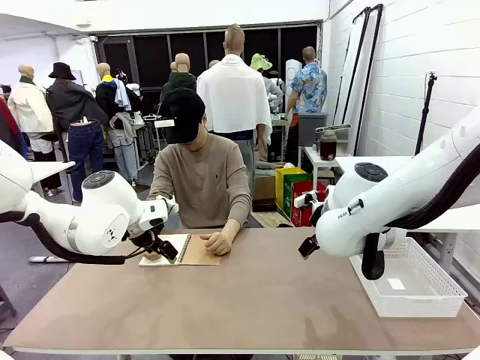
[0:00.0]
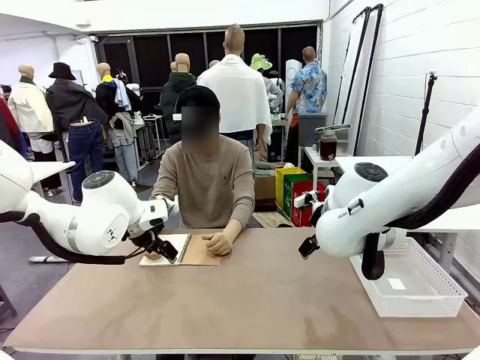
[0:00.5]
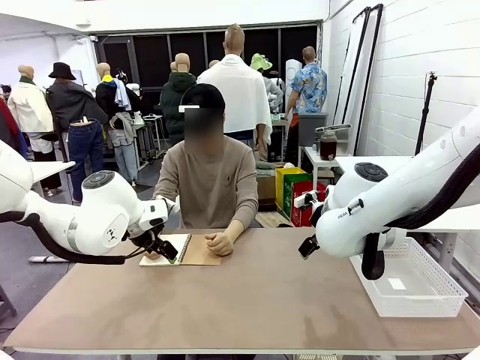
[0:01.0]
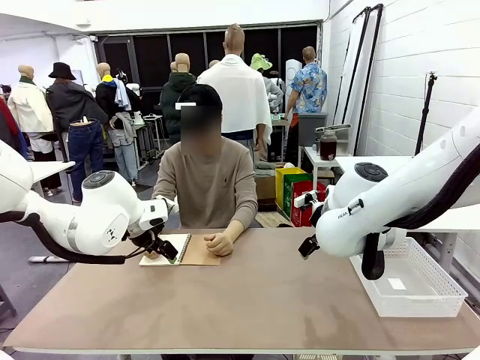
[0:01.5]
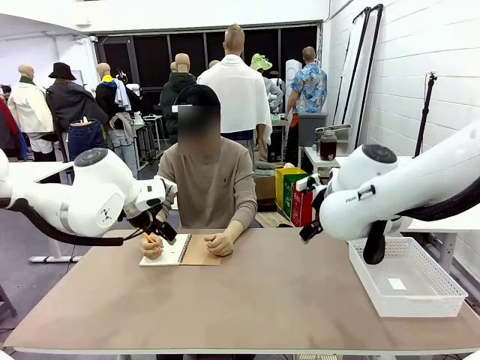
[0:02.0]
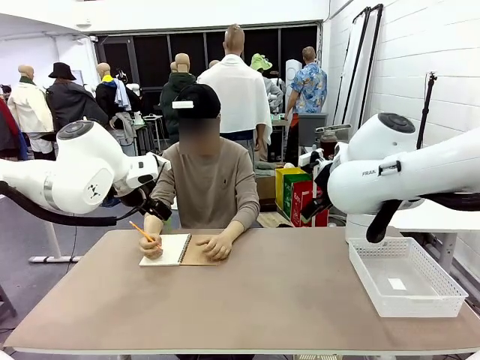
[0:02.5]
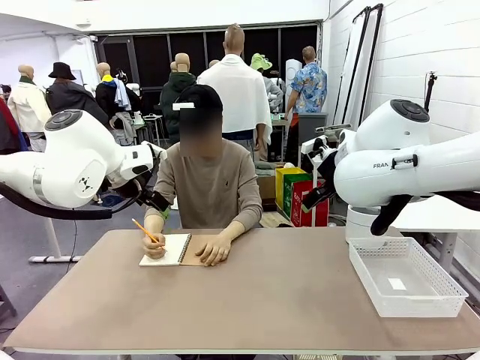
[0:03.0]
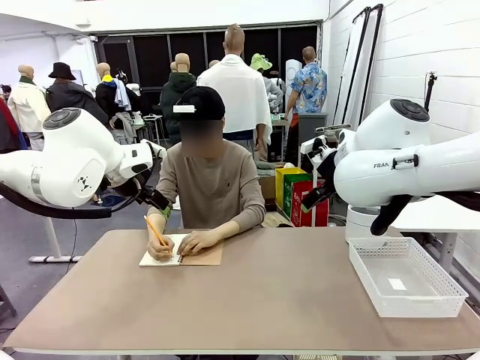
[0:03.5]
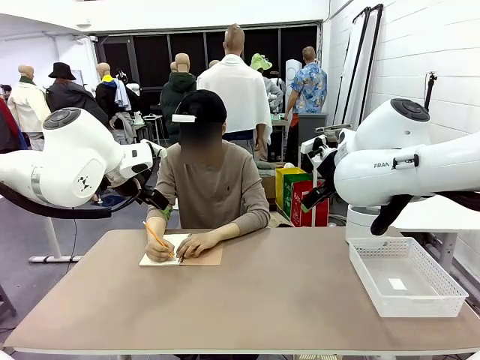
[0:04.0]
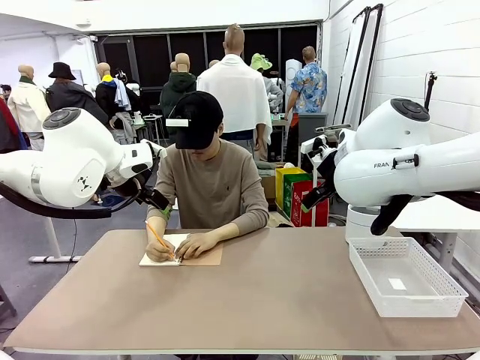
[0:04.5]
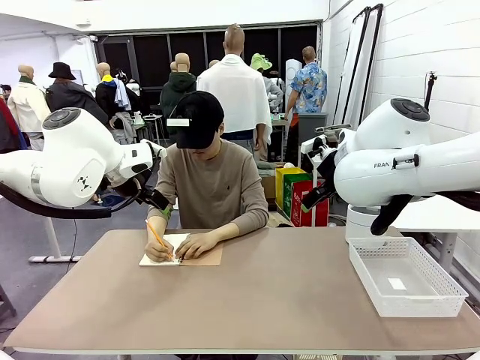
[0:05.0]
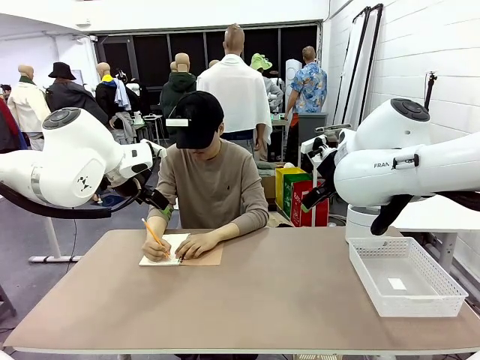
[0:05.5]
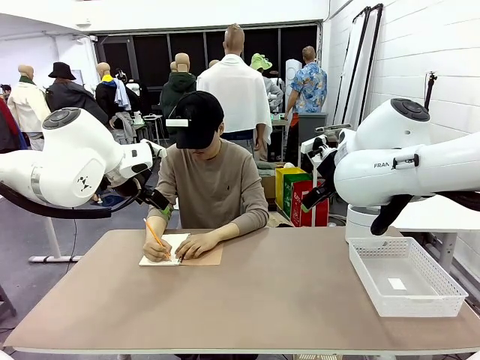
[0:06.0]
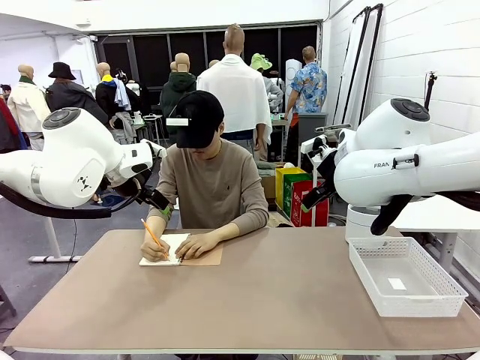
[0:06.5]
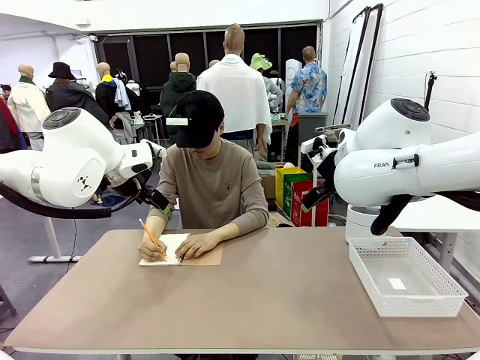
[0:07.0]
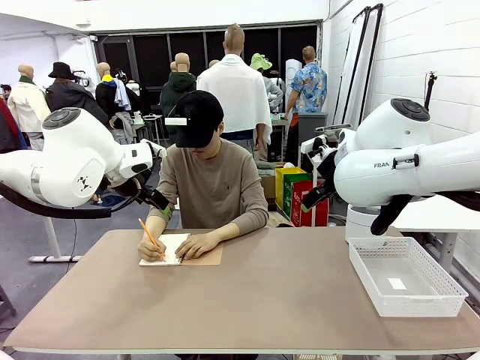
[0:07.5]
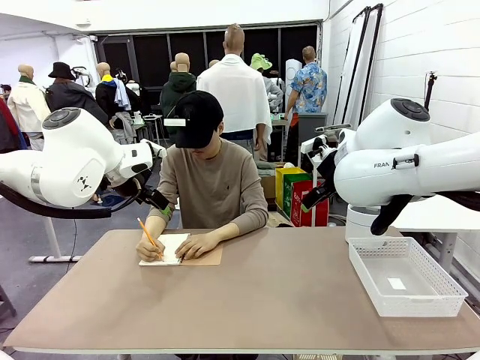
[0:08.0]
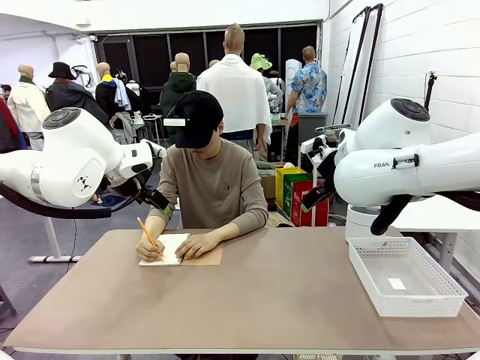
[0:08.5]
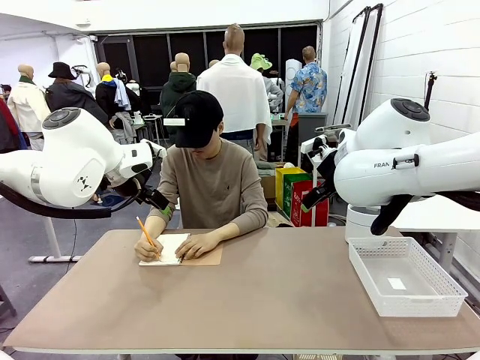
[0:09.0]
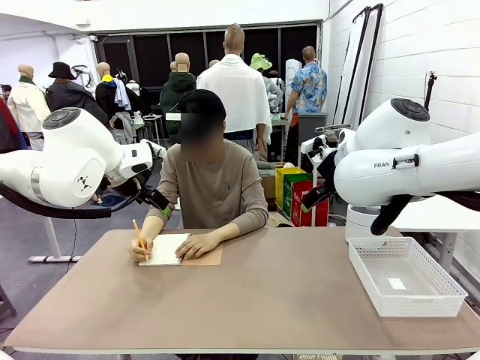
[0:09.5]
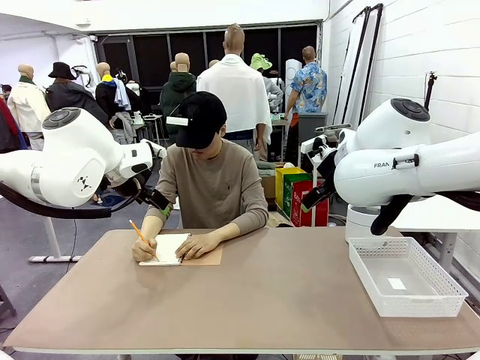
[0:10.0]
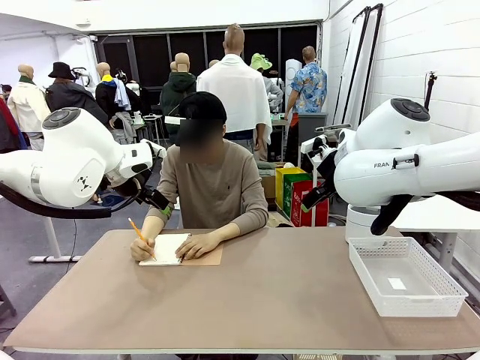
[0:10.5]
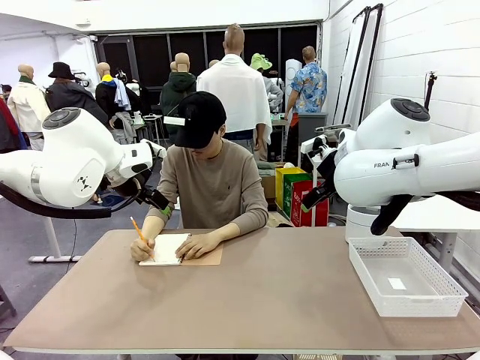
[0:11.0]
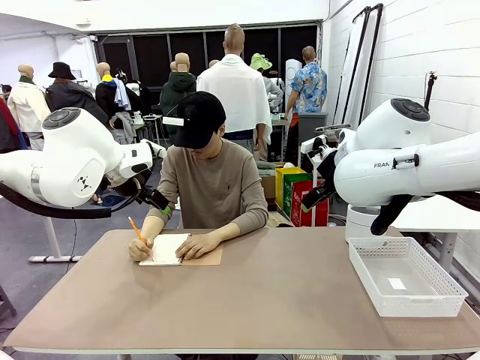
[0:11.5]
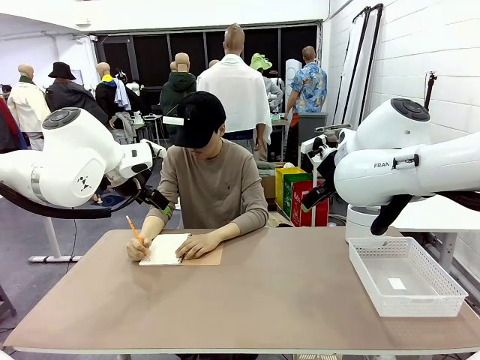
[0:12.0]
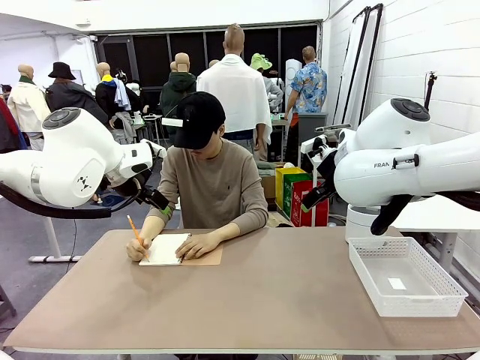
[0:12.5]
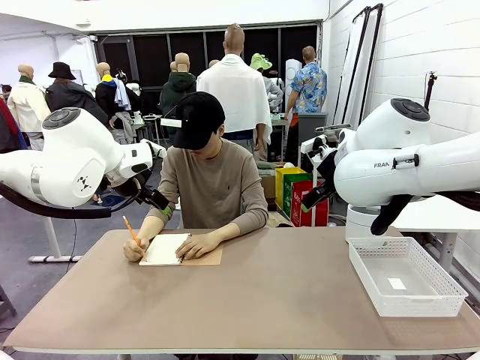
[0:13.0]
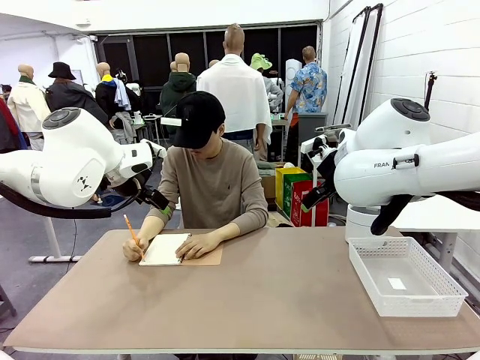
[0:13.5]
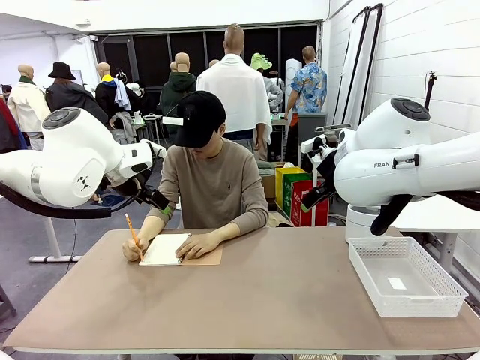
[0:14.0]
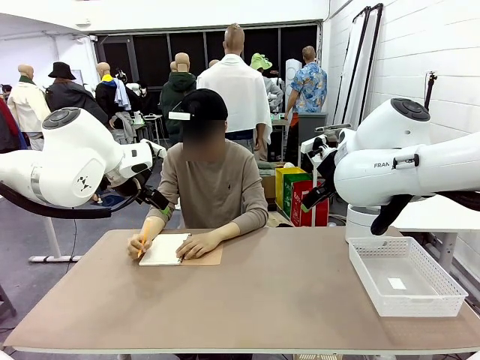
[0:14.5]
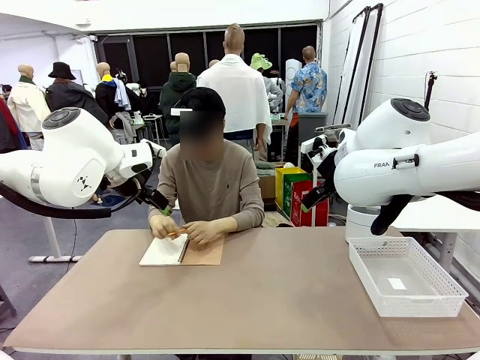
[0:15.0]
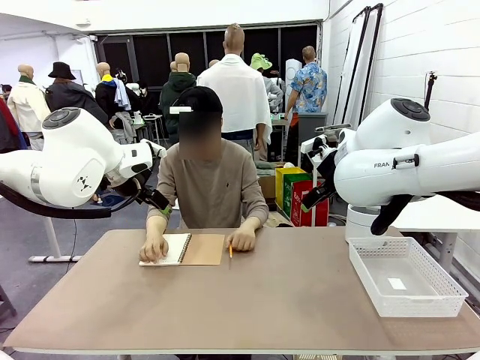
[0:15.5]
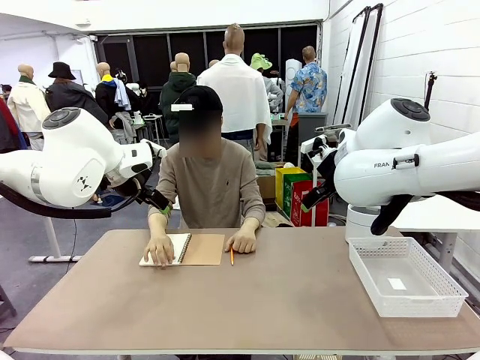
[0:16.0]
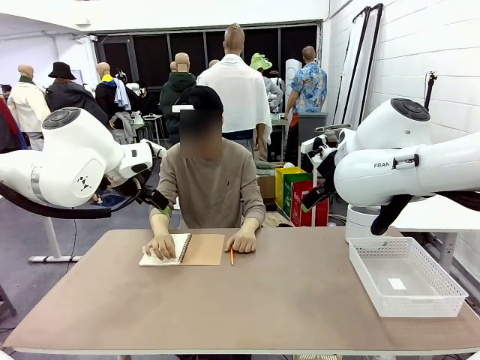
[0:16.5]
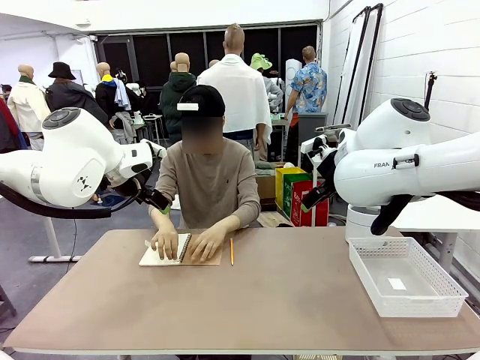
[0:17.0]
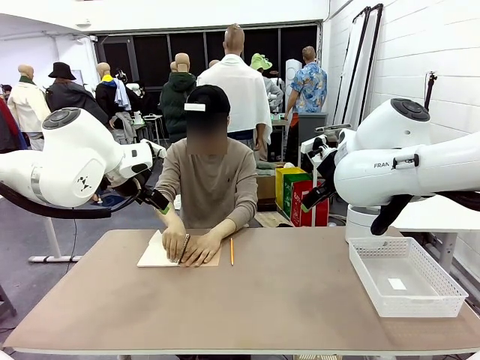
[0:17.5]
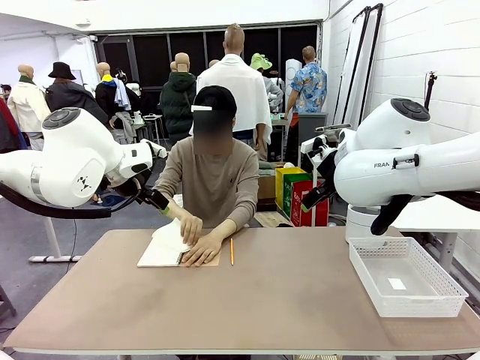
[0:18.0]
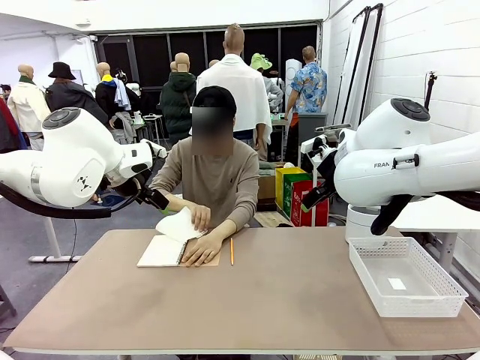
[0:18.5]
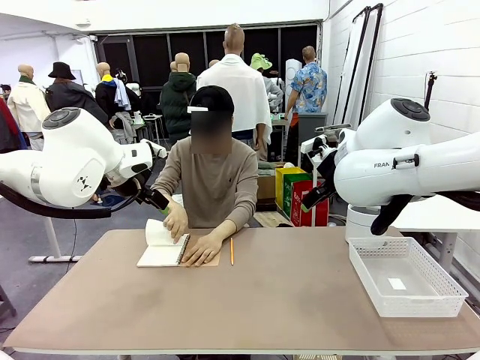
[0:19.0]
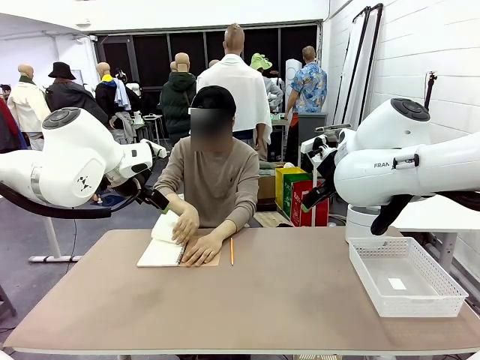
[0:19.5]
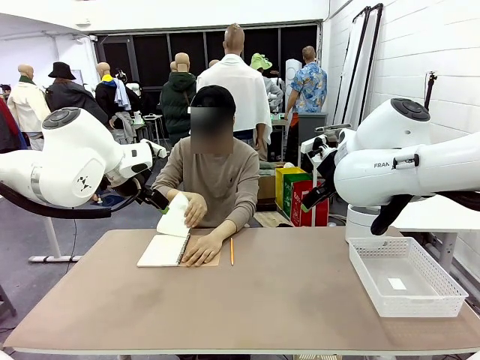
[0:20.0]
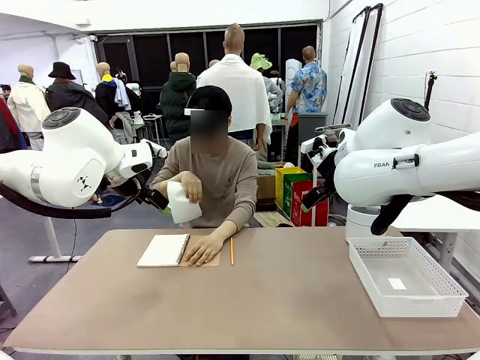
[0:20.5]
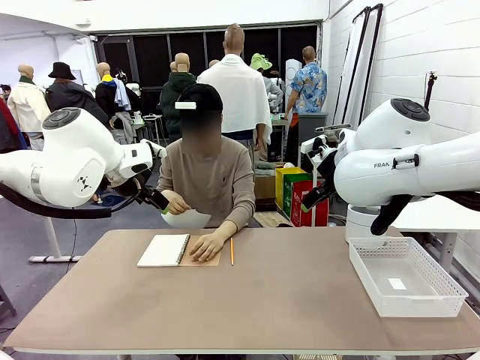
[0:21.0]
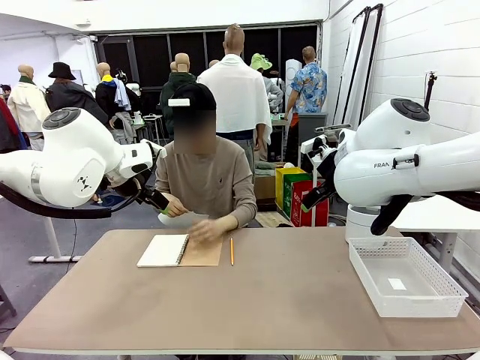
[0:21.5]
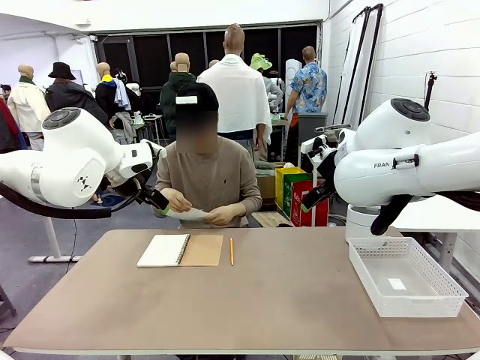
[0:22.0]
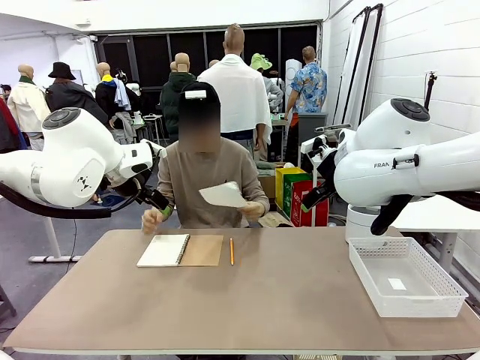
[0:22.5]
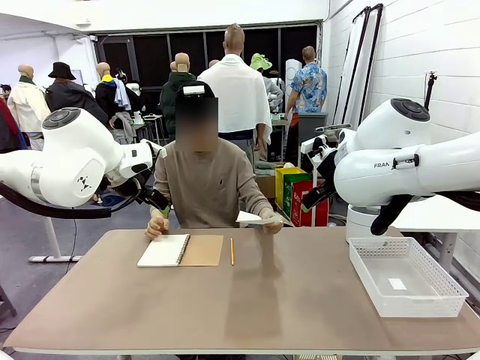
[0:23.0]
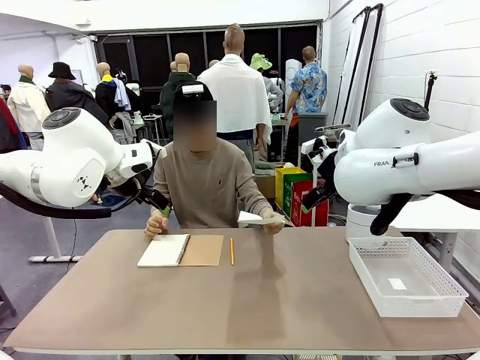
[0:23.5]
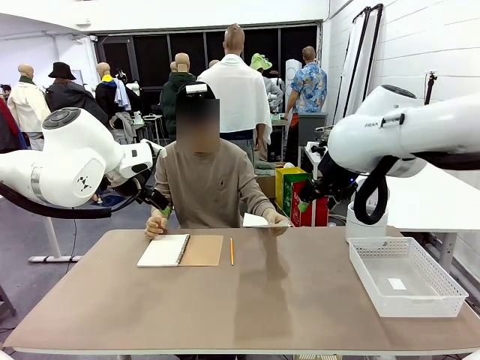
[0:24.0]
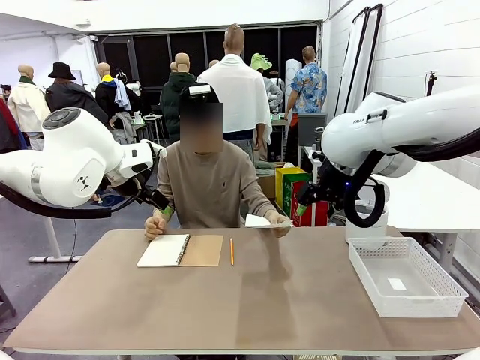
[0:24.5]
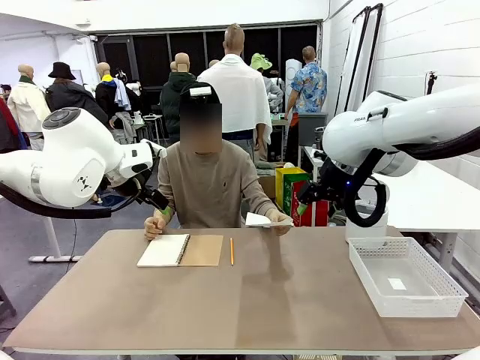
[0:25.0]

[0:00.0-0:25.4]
Task: Sort the paper based on its condition.
Robot: If a person hands you a paper, place it in the Organizing basket , and if it's crumpled, put it in the Trash can.
Person: Tear out a page from the spiral notebook. Hand the torn page to the robot or crumple it and throw it to the center of the table.
